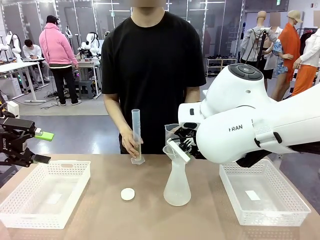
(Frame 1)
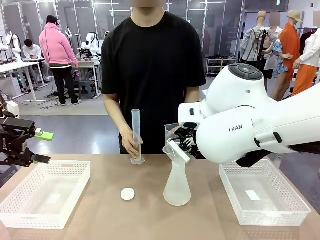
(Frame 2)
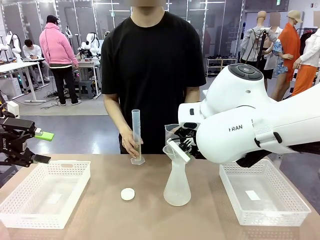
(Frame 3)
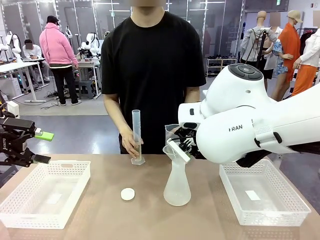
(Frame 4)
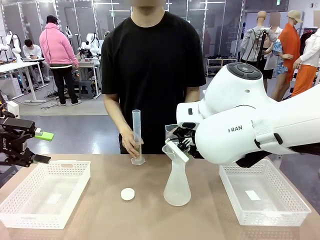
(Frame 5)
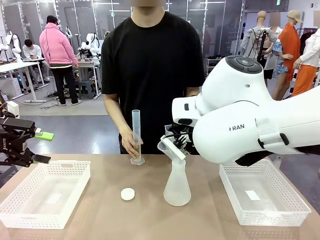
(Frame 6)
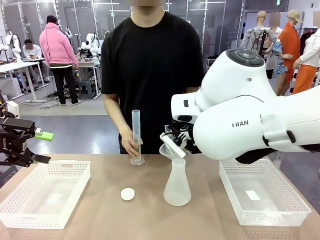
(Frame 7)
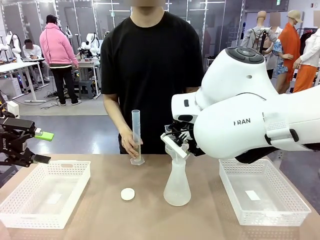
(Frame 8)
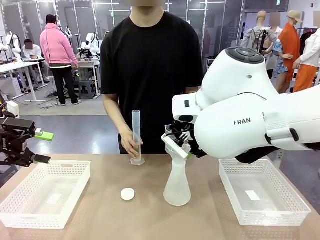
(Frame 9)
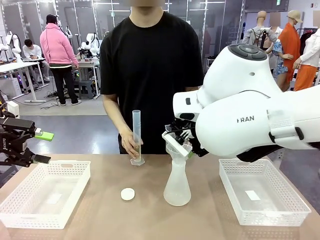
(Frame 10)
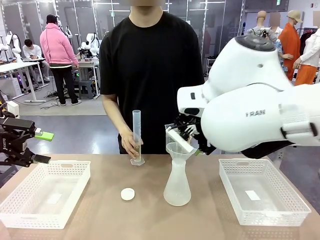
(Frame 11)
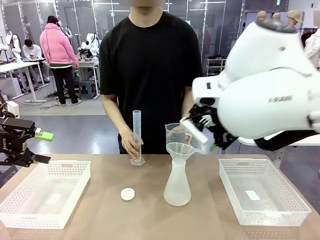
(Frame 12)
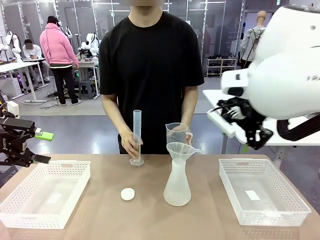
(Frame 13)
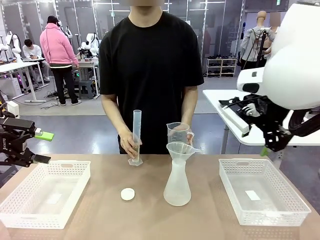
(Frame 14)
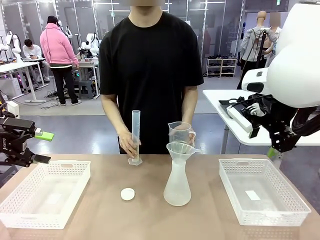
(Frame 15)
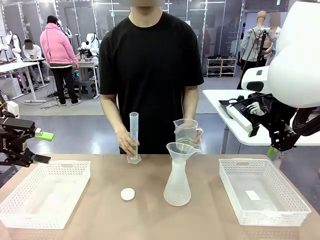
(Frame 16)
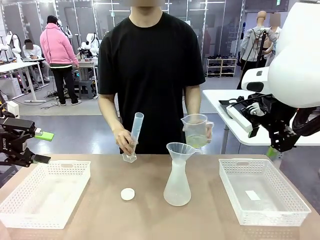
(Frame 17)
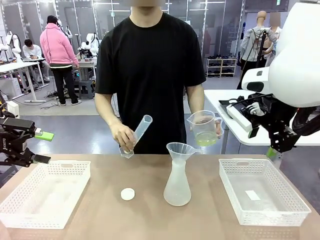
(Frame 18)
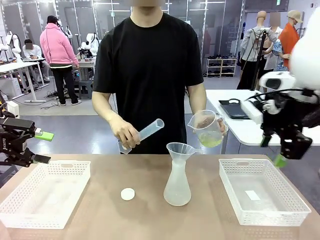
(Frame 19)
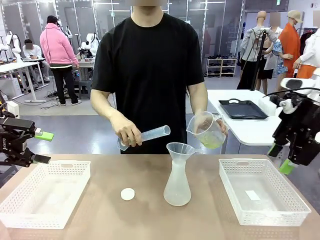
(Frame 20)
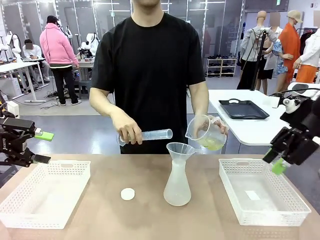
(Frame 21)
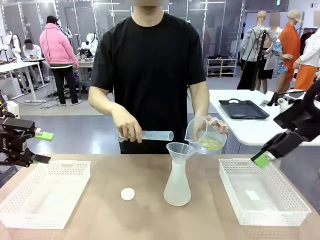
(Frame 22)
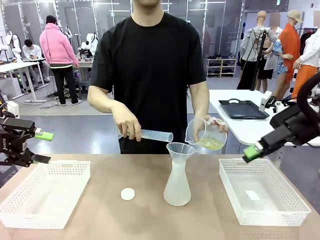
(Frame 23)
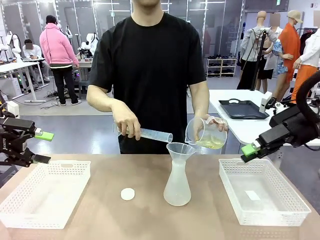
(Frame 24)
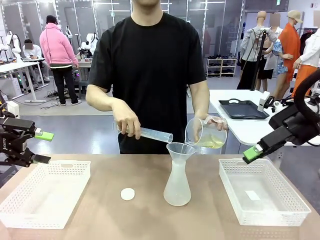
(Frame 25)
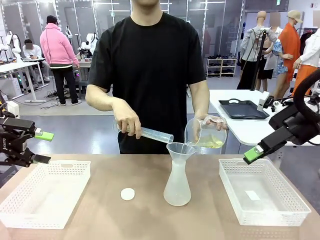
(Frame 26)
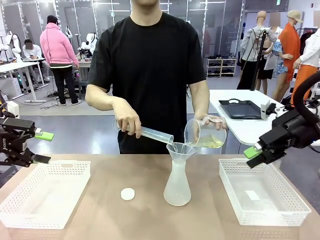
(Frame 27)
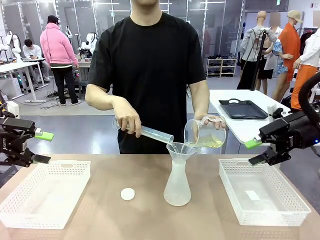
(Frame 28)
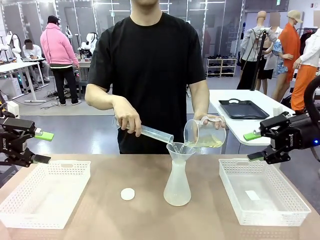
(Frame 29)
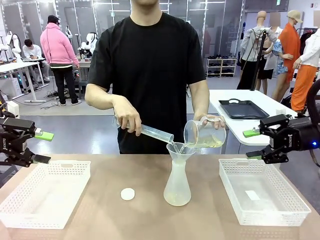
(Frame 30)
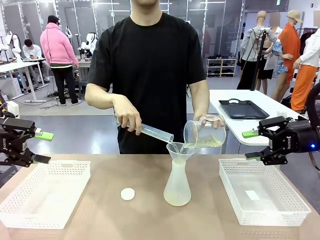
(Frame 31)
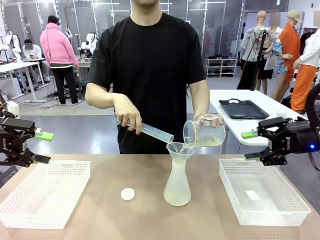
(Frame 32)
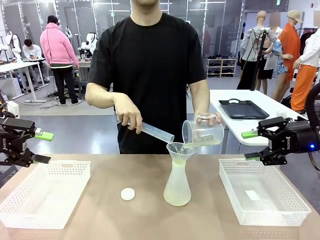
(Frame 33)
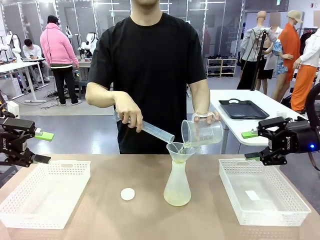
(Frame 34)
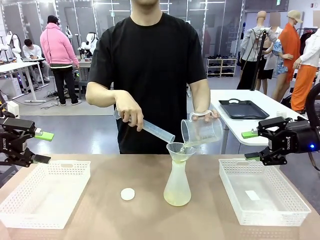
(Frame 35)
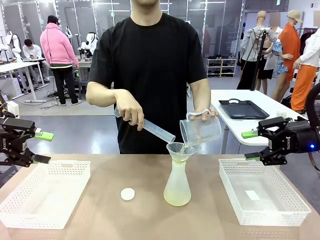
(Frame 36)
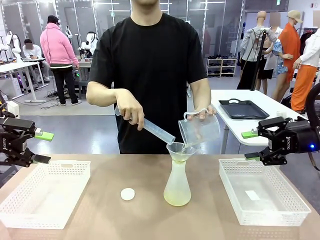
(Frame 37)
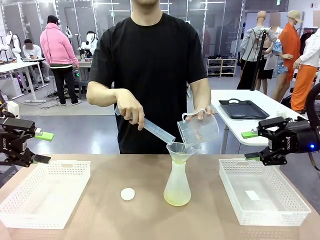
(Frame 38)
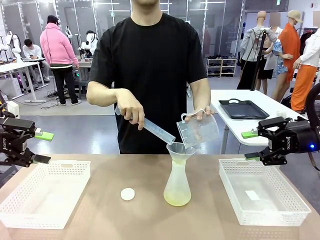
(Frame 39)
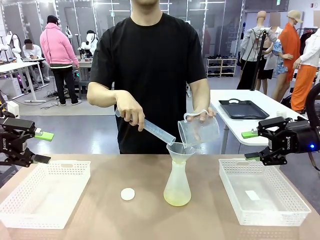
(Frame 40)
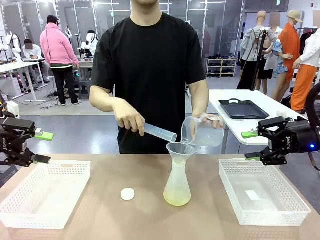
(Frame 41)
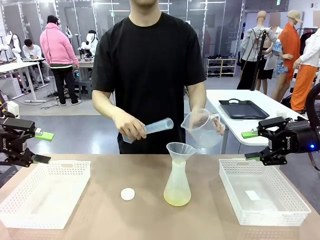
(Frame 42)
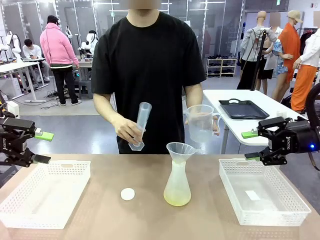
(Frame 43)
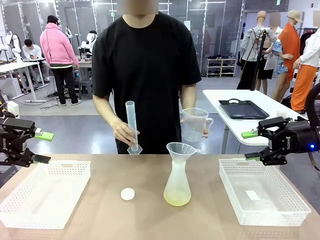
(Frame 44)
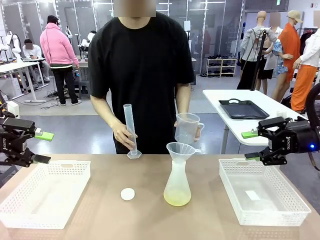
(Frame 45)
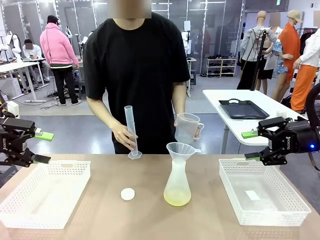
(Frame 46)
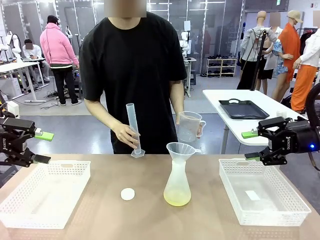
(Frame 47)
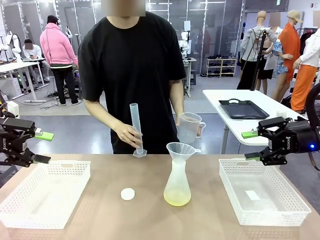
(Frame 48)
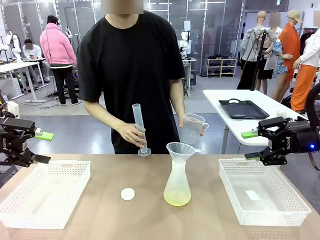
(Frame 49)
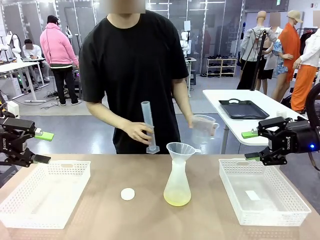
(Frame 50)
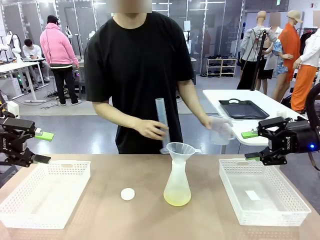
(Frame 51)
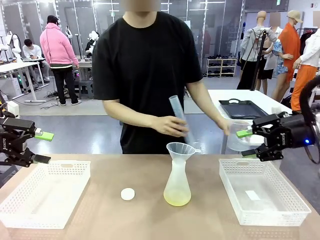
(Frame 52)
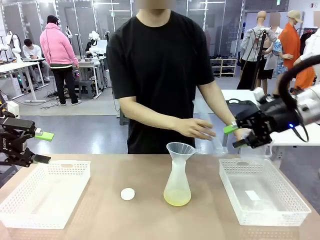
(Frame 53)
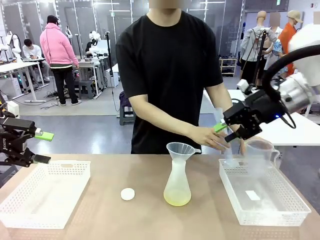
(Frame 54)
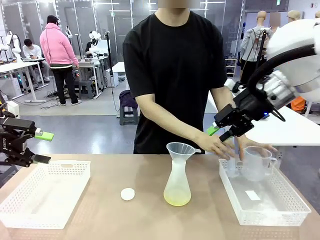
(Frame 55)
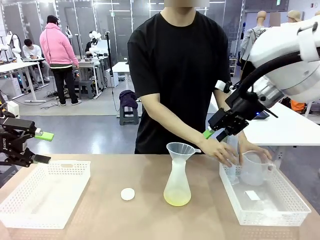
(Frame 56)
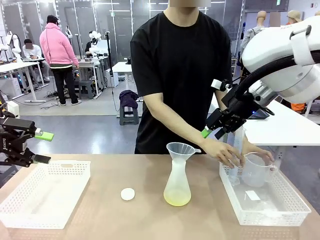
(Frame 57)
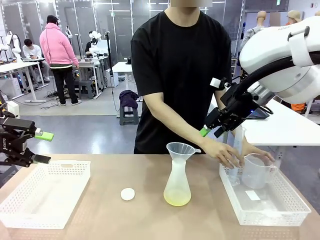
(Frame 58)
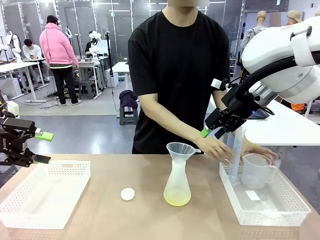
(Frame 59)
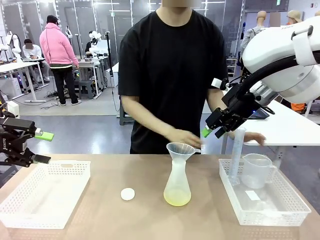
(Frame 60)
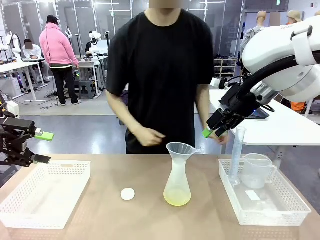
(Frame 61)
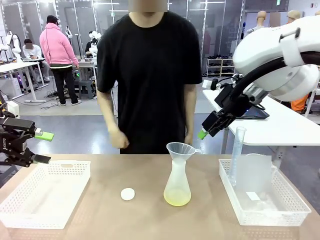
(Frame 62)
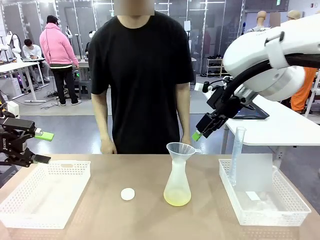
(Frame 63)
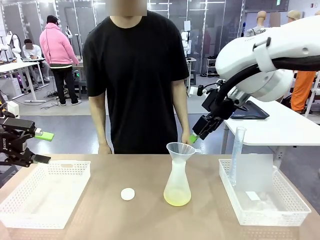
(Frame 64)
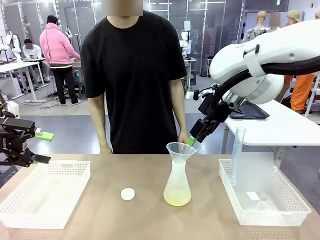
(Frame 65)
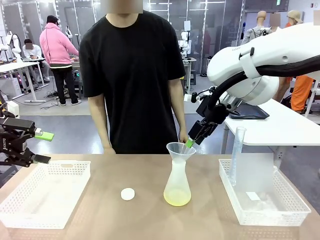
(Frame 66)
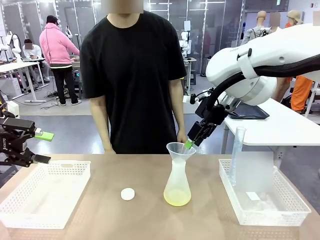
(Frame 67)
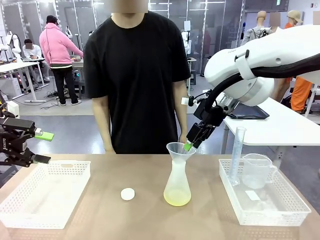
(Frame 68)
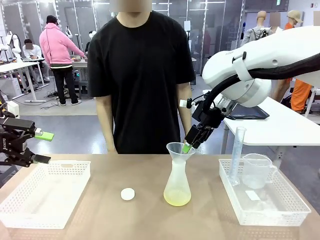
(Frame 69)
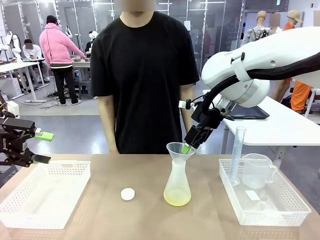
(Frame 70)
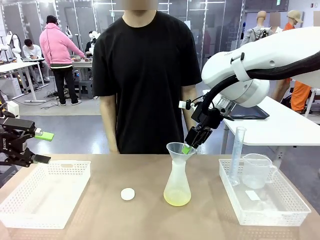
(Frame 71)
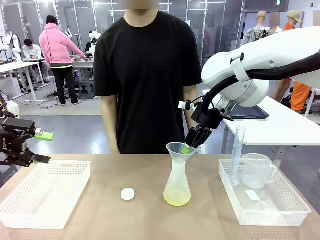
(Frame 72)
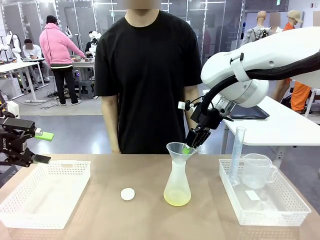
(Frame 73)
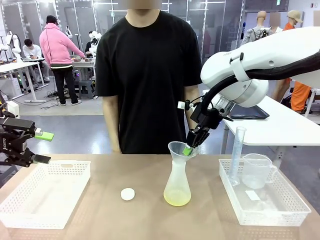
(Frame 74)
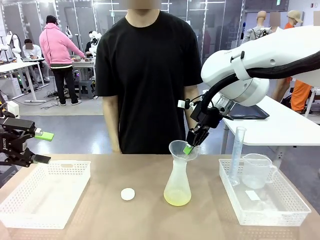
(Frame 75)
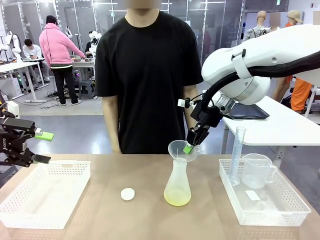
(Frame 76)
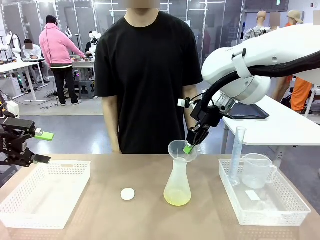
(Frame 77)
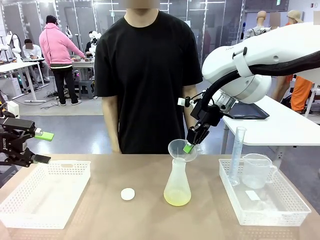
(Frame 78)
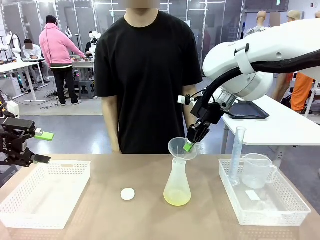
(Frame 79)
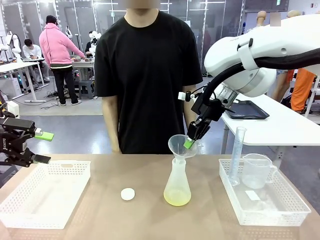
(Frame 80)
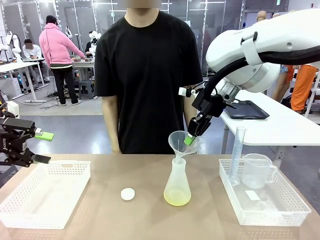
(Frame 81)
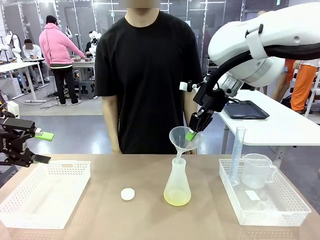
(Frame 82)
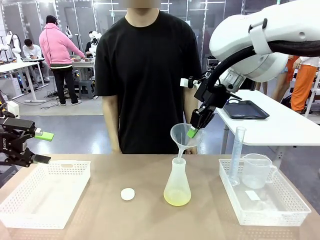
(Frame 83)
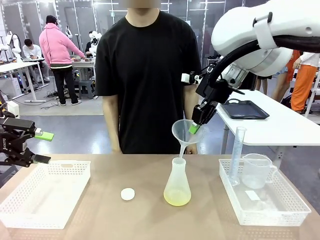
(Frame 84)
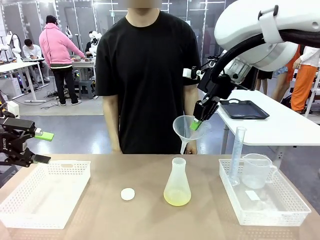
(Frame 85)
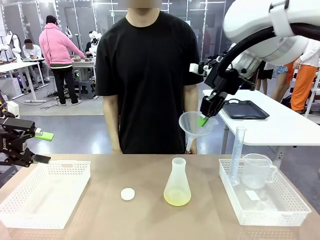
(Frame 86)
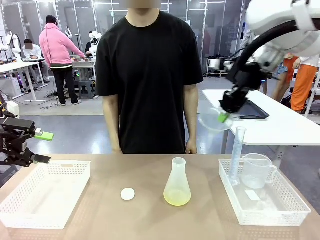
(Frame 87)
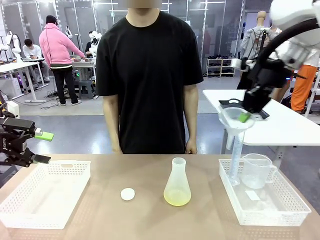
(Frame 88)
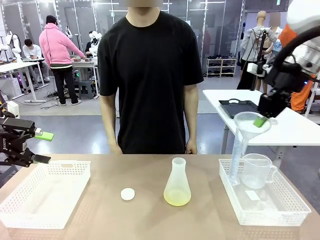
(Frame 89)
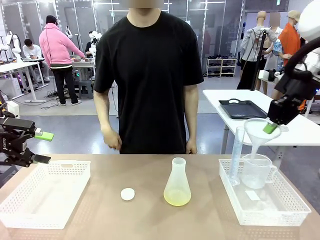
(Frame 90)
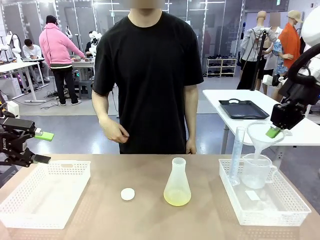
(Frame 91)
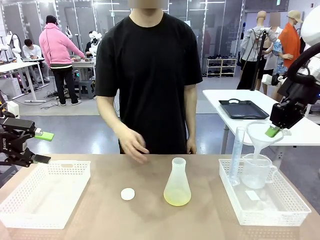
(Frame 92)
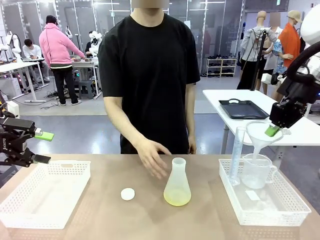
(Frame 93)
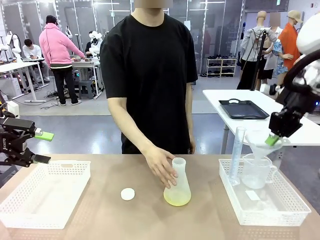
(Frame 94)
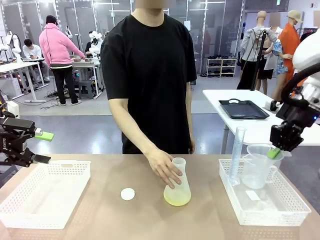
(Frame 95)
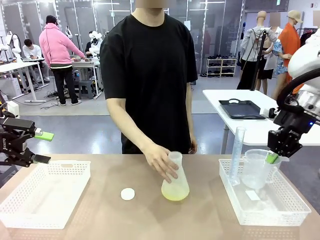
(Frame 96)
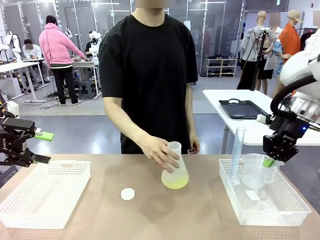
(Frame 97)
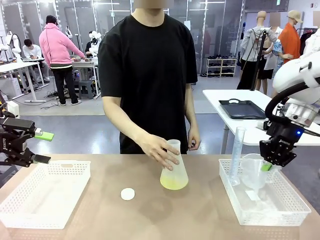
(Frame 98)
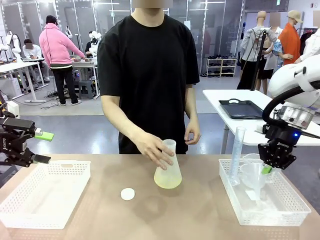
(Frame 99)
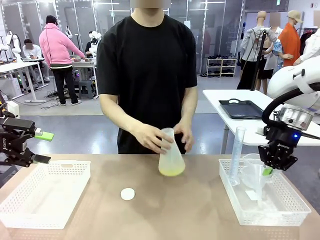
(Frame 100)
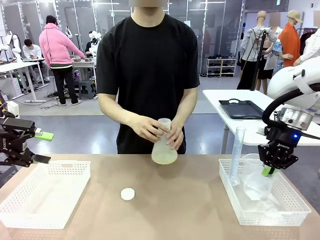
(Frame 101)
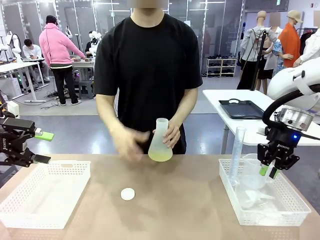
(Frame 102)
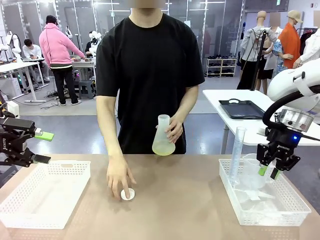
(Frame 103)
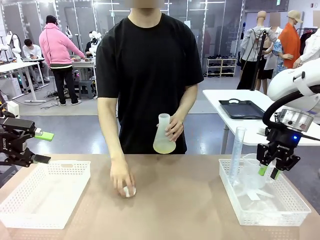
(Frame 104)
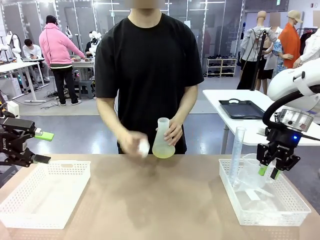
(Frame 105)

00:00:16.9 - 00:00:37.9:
Task: Prepare the solutions needed for the experiment.
Robot: Once the solution is in the Big flask , pick up the Plastic Funnel and place it back into the right Organizing basket.
Person: Pour the solution from the beaker and the cylinder into the flask. Place the beaker and the cylinder into the organizing basket on the left side. Pick up the flask, gently shake it 2–3 times, place it in the middle of the robot table, and close the lid.
